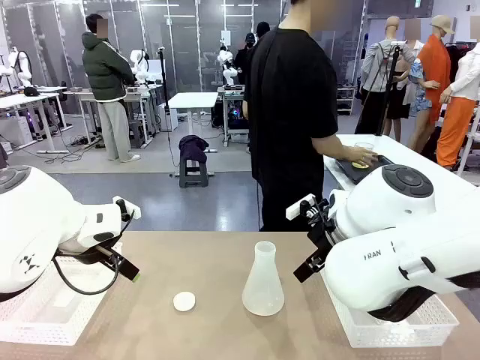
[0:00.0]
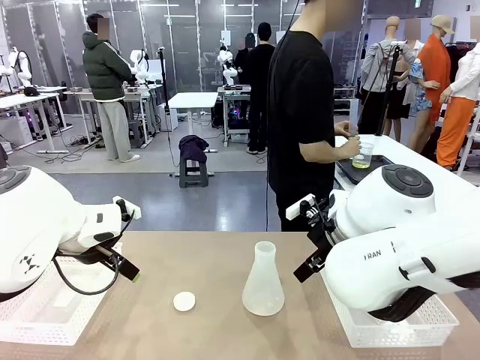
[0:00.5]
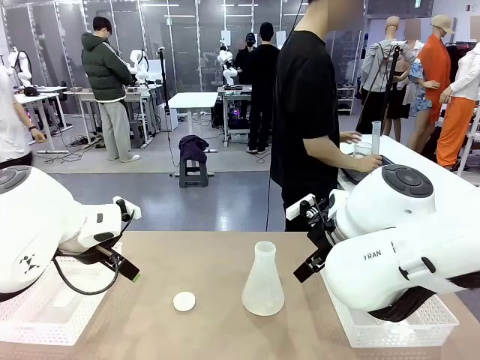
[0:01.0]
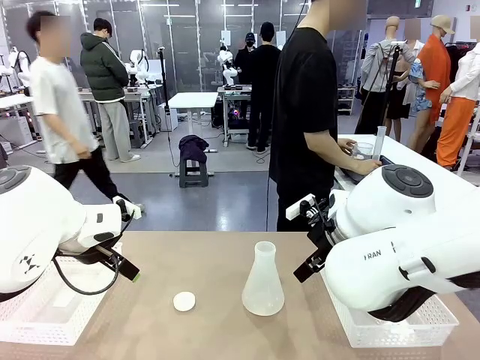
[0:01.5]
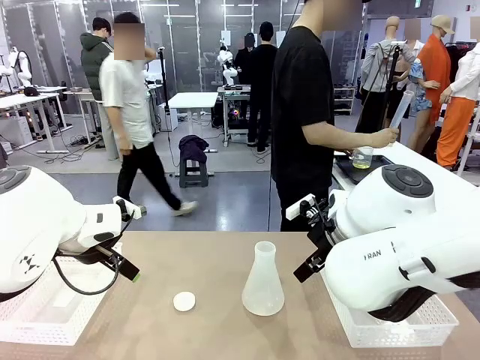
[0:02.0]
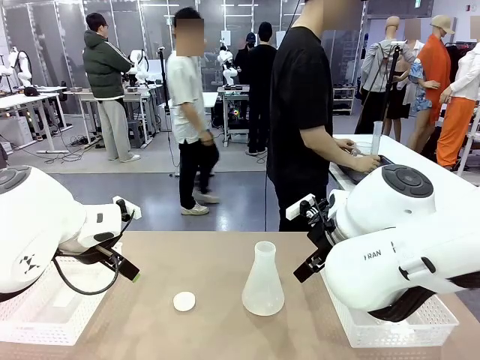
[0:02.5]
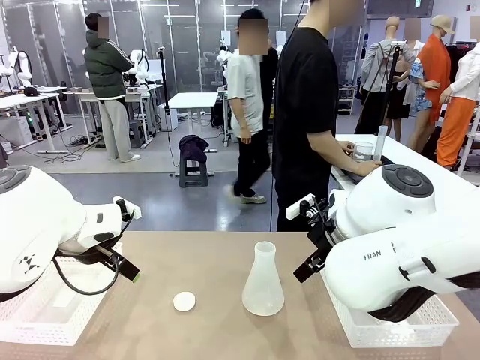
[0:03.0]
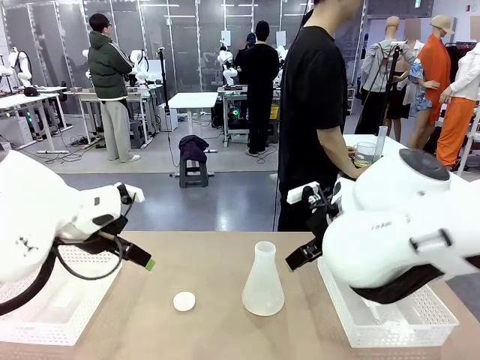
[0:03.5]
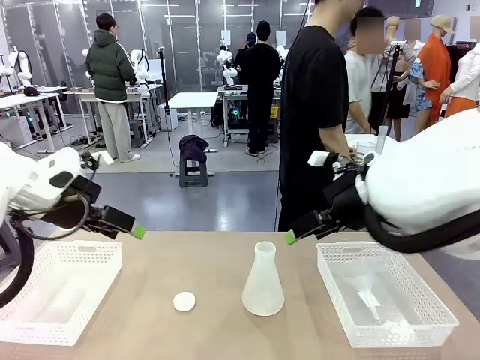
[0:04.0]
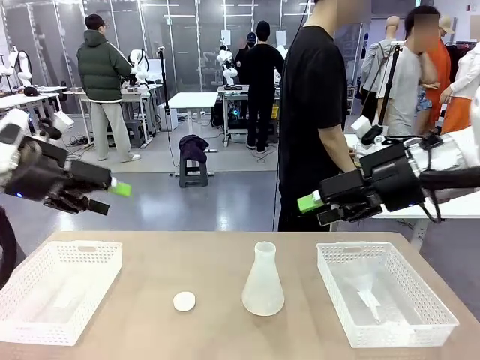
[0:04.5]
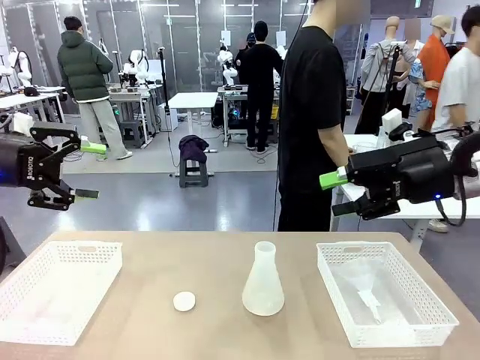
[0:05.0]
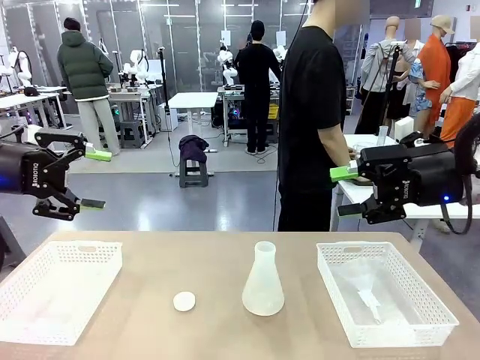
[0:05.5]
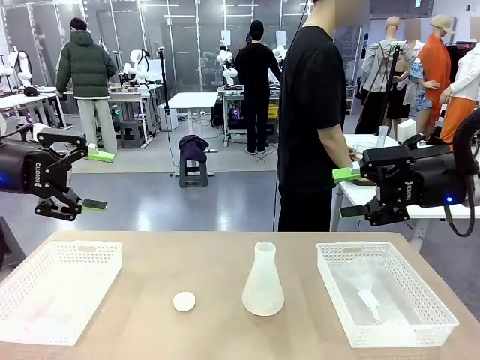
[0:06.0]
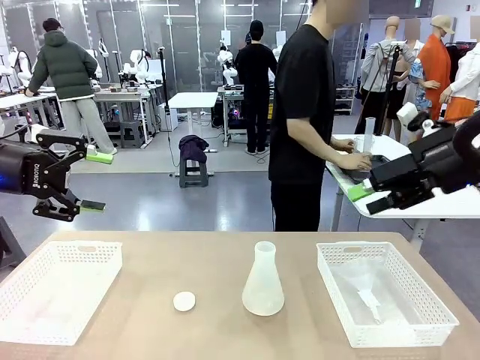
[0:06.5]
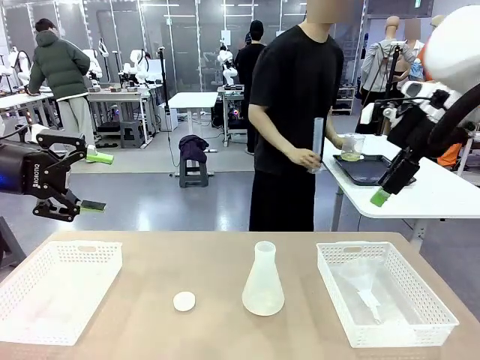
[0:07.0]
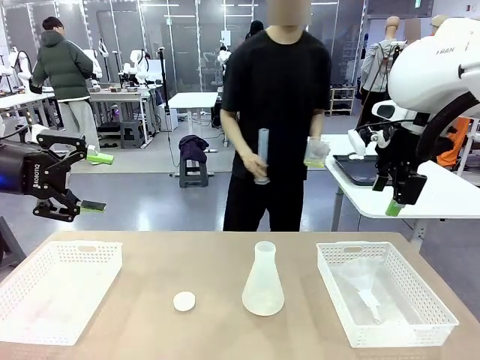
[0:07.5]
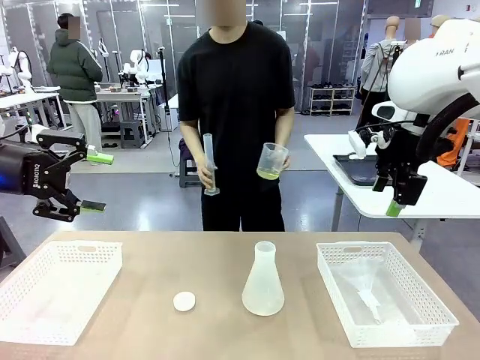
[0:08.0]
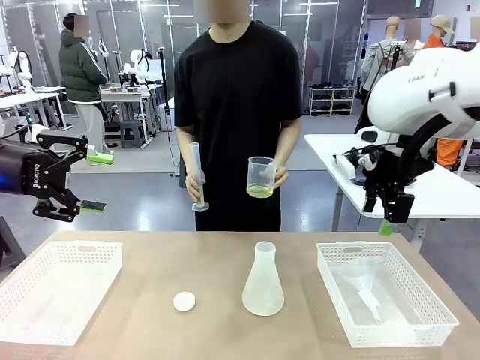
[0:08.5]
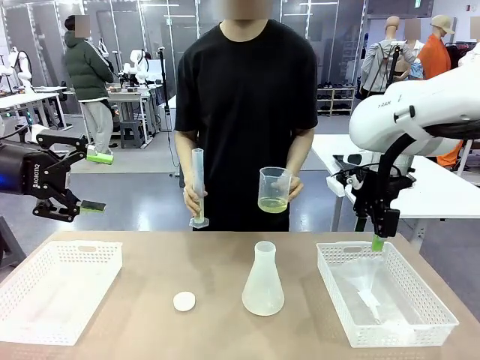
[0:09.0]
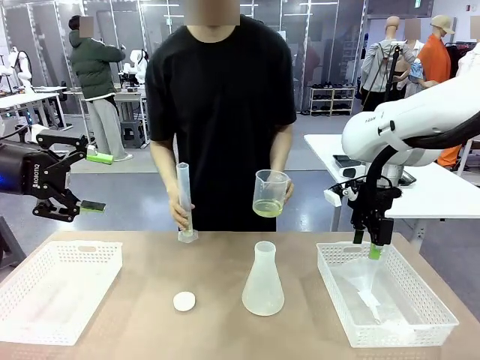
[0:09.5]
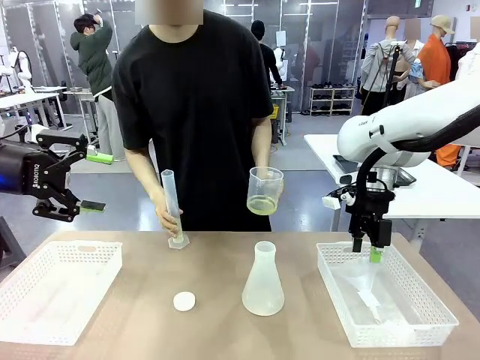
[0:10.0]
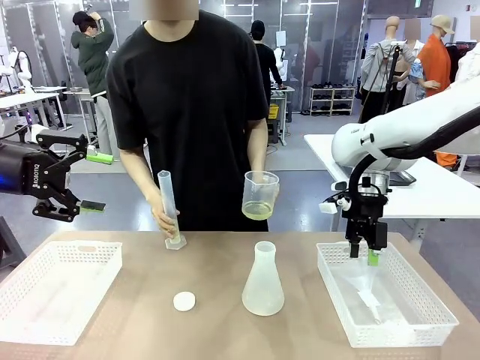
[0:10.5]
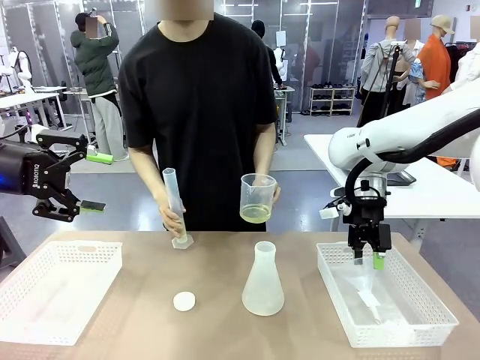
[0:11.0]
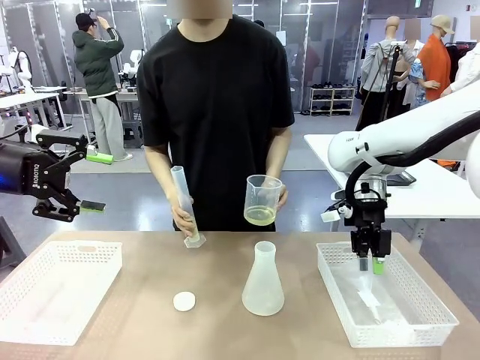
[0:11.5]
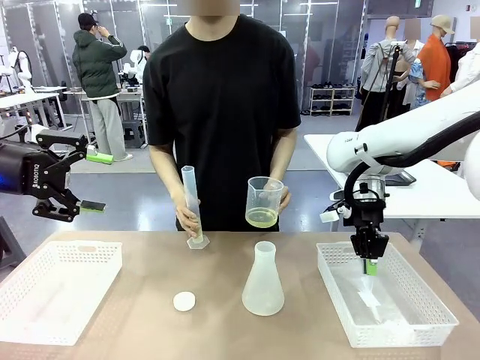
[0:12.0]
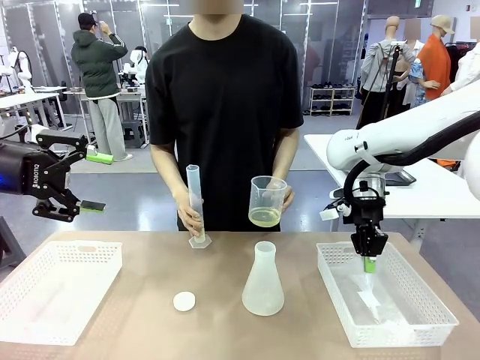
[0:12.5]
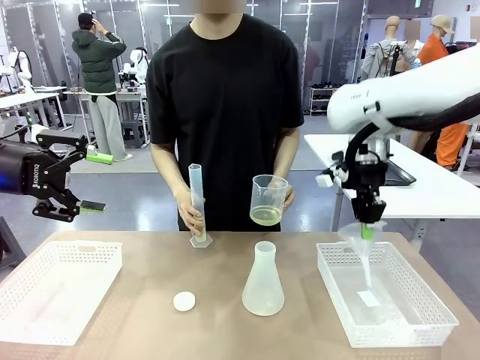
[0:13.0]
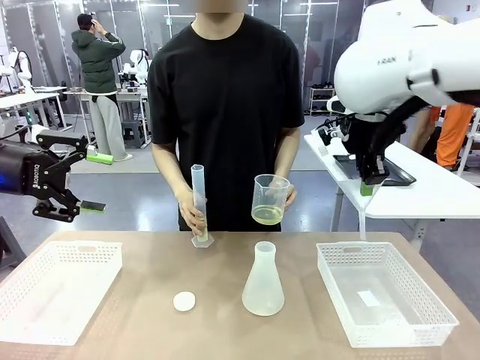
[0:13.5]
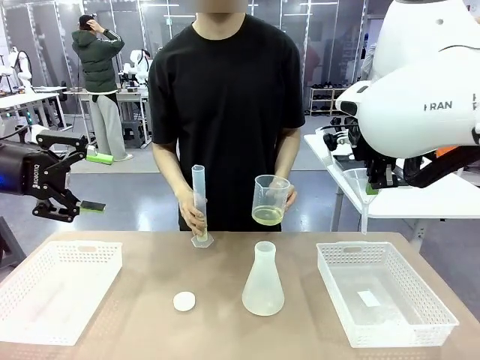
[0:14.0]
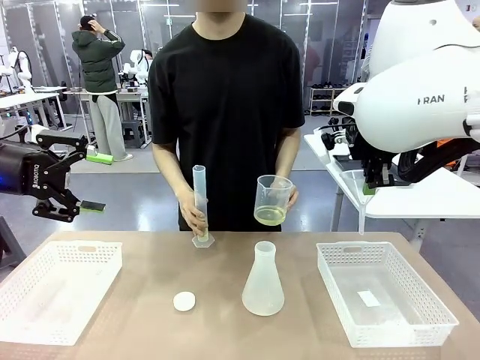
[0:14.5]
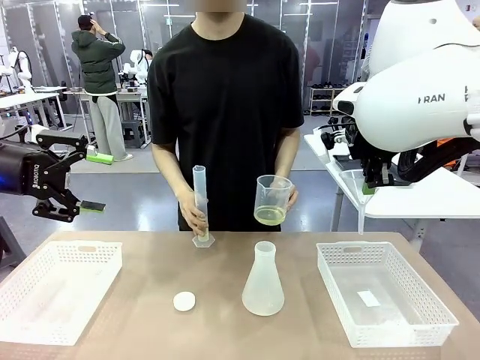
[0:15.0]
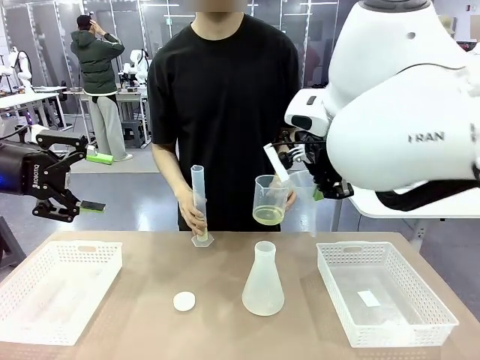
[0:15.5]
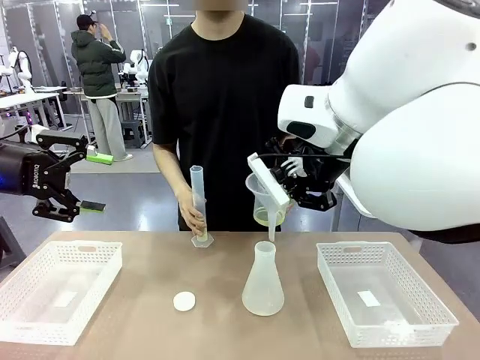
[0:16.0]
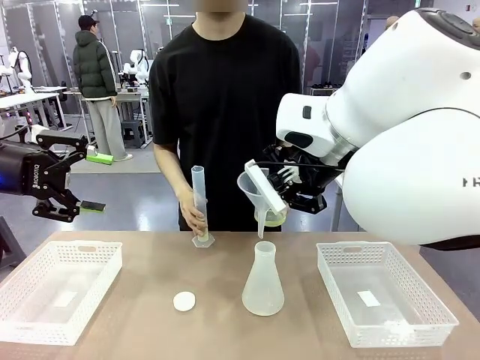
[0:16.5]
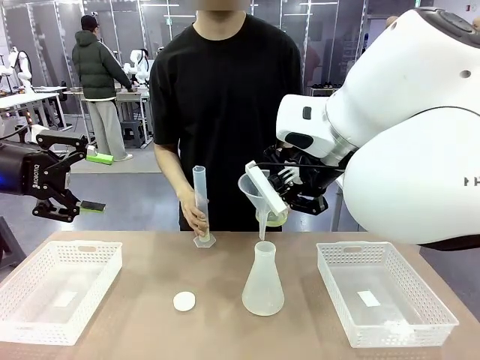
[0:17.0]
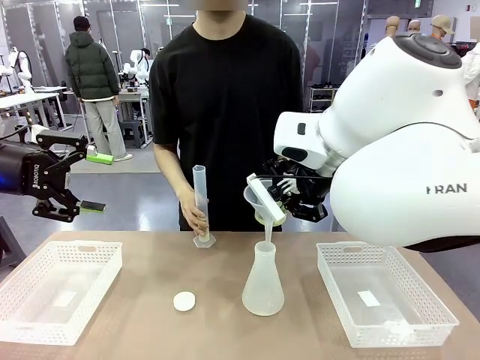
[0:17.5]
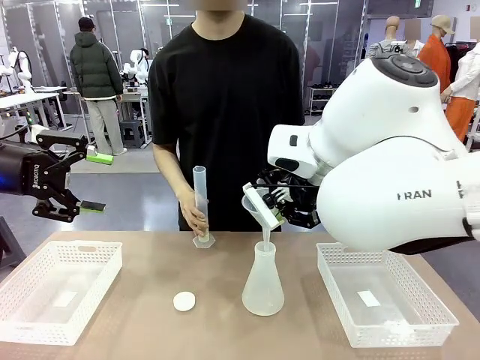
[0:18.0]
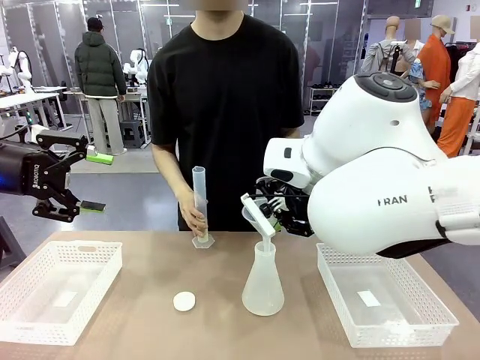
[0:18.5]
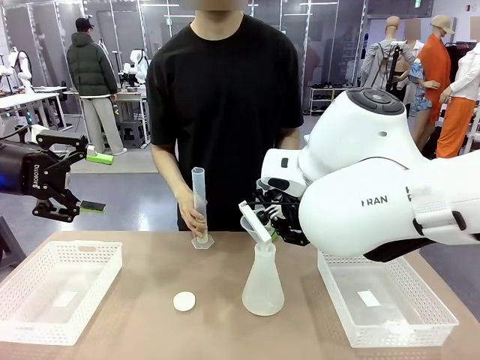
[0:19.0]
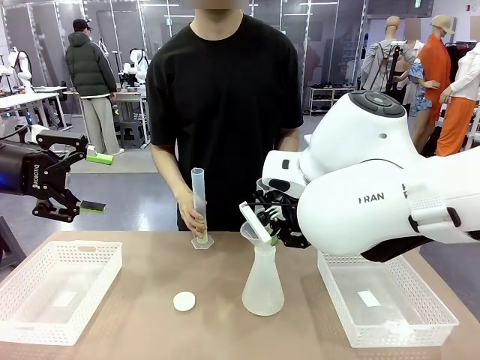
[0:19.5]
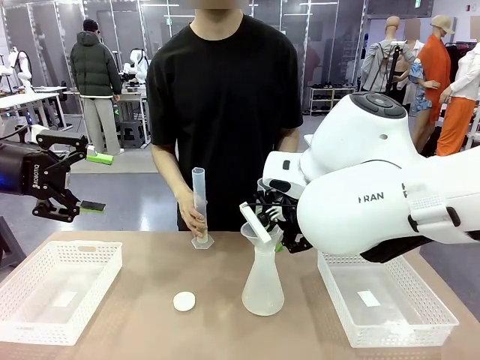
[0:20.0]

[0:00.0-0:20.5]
Task: Prepare the solutions needed for the experiment.
Robot: Pick up the Plastic Funnel and insert it into the Big flask.
Person: Pick up the beaker and the cylinder and move to the middle of the robot table. Pour the solution from the beaker and the cylinder into the flask.
